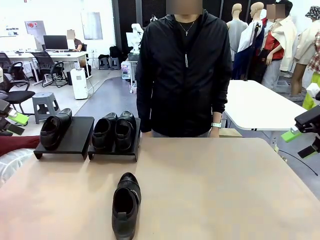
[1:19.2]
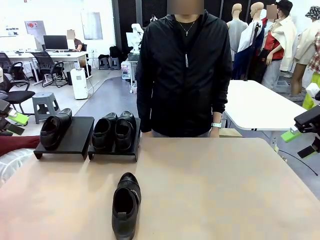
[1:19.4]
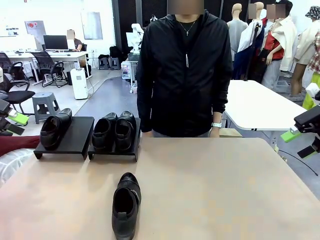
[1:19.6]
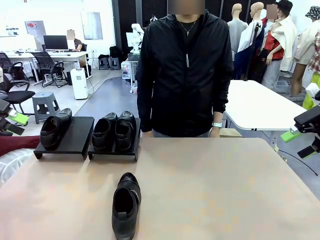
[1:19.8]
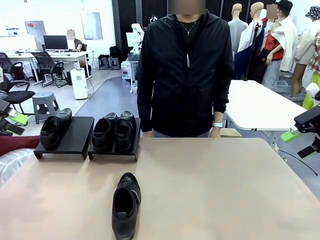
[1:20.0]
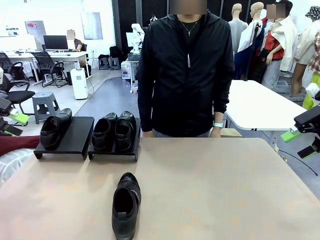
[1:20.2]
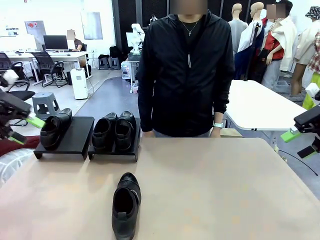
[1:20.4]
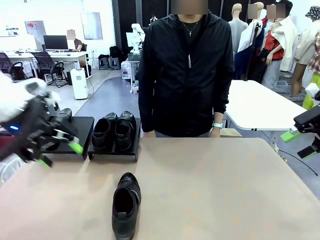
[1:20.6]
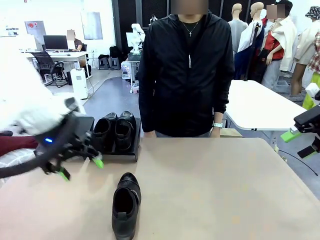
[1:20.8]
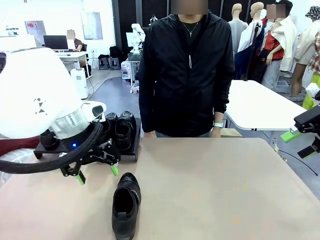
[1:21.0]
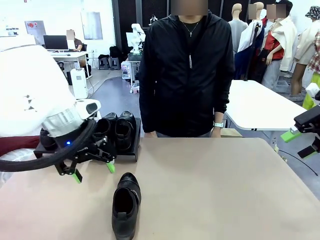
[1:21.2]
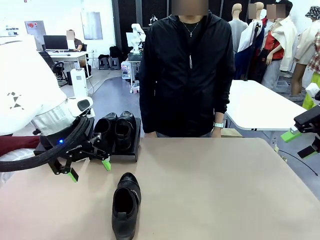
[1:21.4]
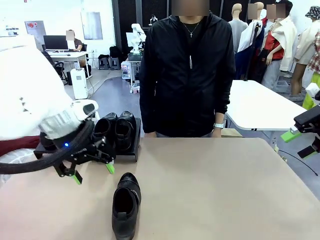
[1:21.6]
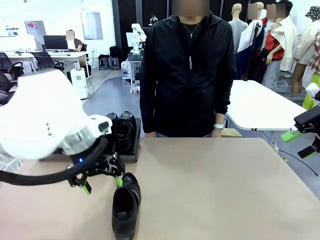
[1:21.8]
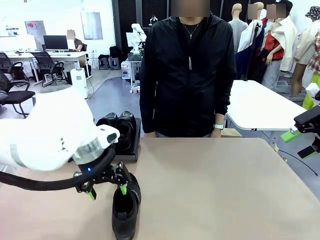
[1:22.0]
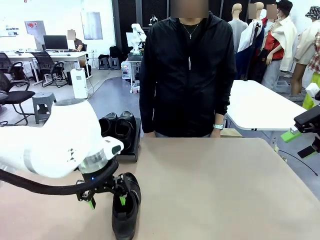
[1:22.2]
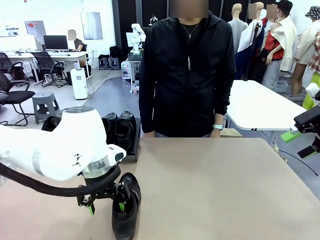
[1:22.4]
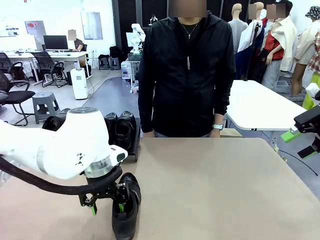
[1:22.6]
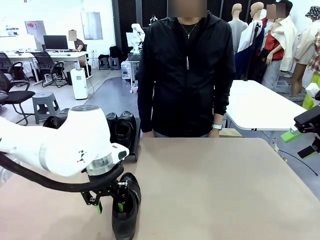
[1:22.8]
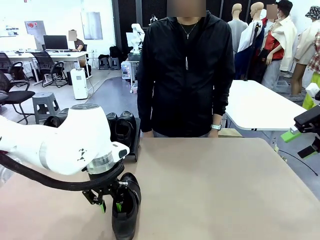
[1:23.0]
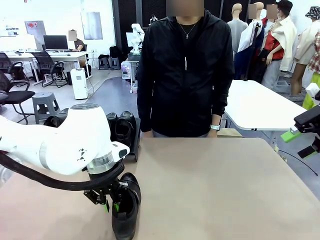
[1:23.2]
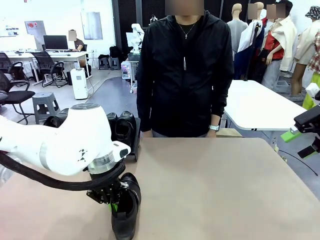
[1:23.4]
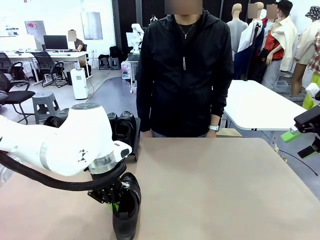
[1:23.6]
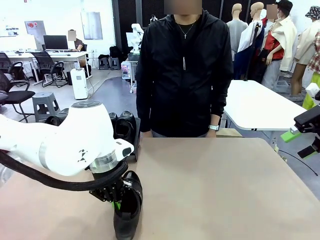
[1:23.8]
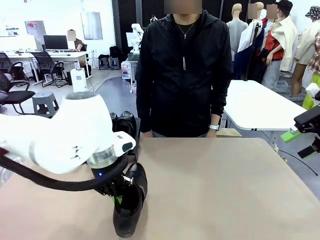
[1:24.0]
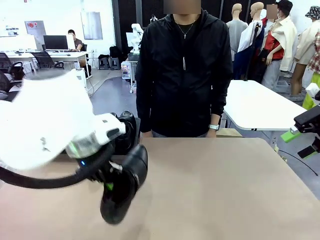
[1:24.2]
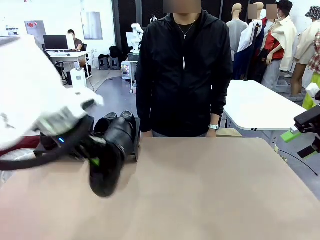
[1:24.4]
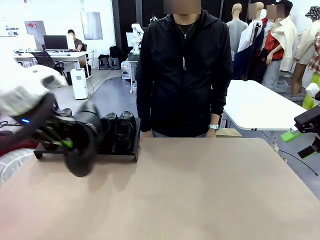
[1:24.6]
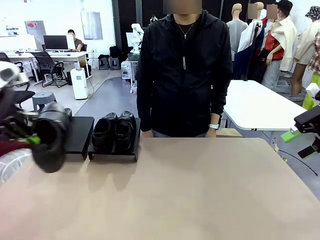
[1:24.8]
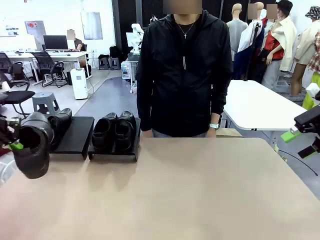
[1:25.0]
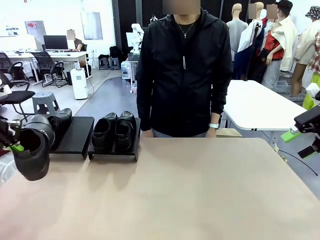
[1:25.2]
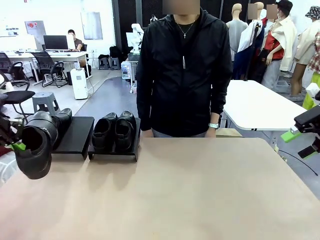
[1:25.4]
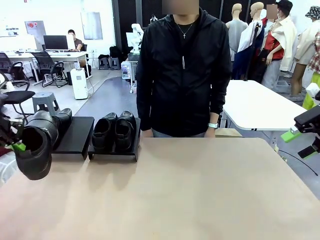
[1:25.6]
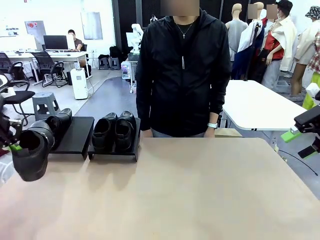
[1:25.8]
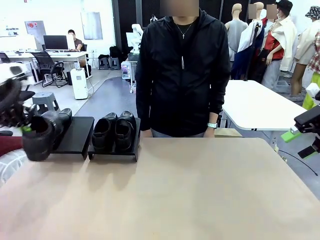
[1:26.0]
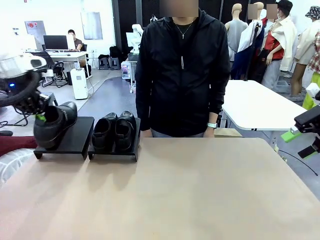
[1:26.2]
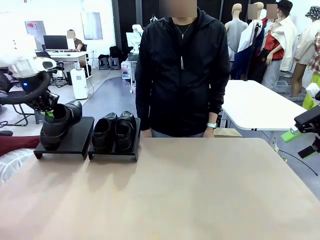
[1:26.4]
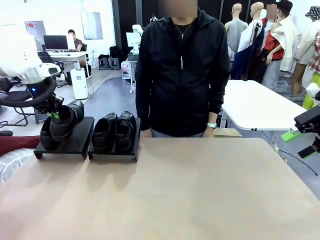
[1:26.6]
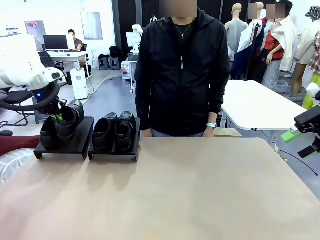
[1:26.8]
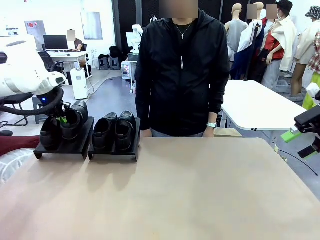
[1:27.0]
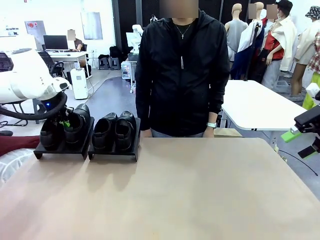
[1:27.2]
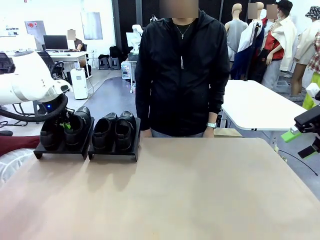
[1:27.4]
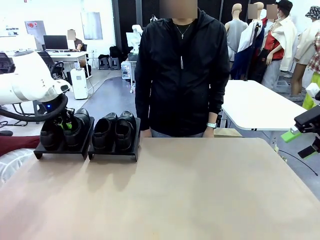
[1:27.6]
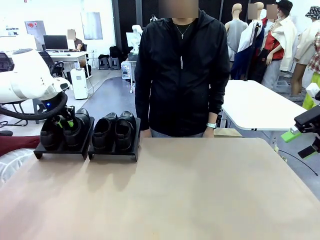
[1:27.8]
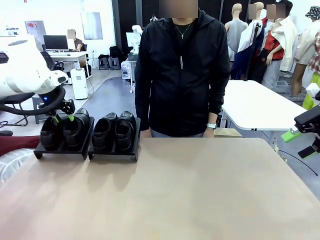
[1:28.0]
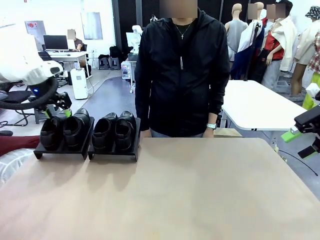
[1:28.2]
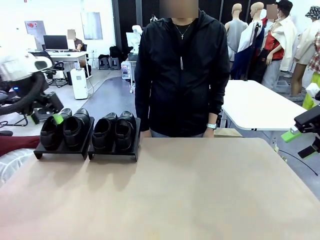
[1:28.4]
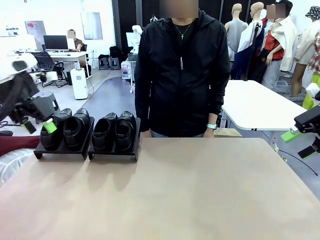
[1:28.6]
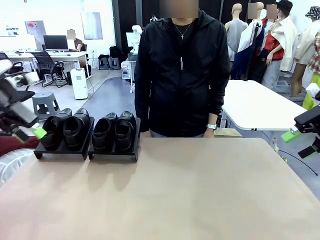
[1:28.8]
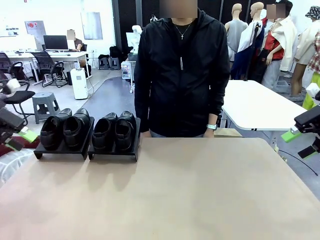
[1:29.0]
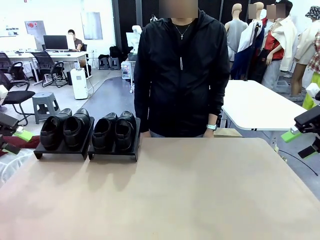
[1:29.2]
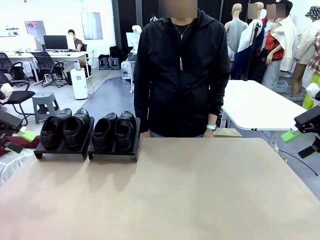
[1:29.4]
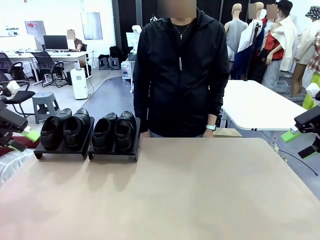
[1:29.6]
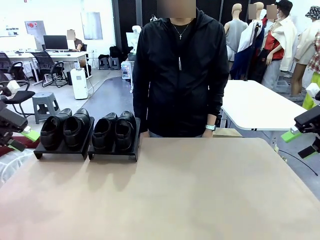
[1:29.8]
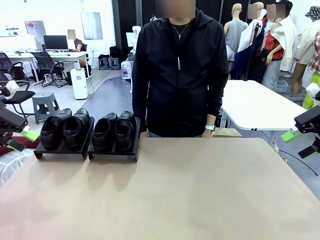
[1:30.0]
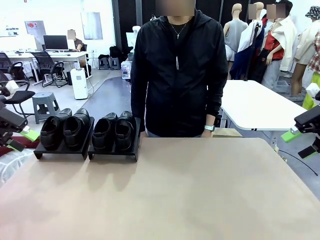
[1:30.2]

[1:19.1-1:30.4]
Task: Organize the shoes by placing them on the stand.
Robot: Place the Shoe from the middle of the table onto the Shoes Stand.

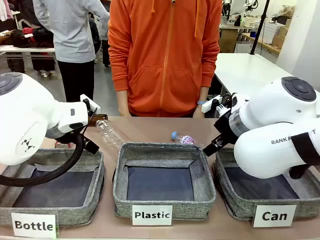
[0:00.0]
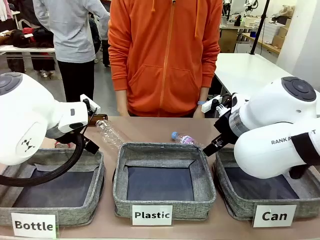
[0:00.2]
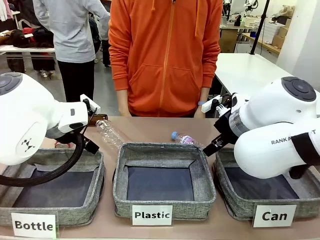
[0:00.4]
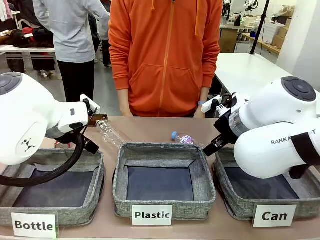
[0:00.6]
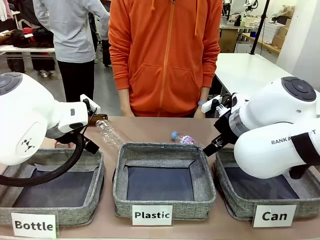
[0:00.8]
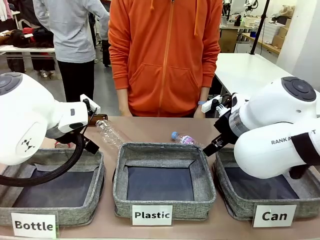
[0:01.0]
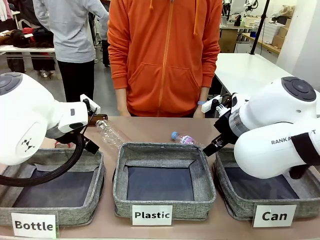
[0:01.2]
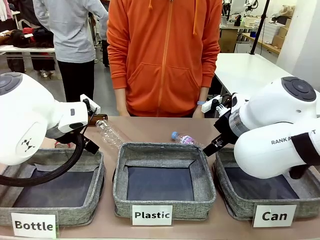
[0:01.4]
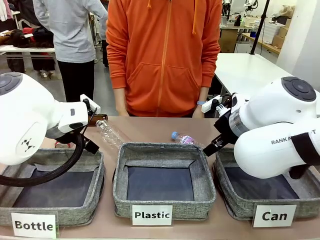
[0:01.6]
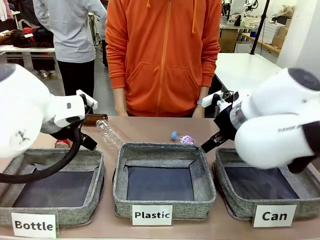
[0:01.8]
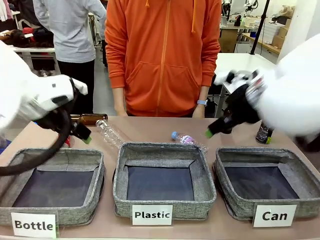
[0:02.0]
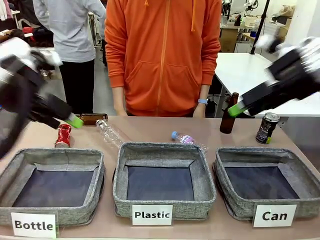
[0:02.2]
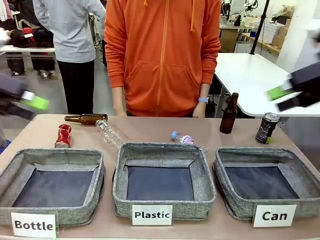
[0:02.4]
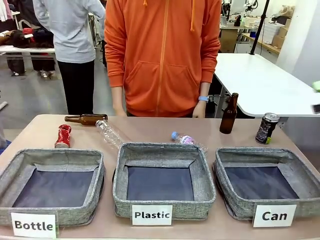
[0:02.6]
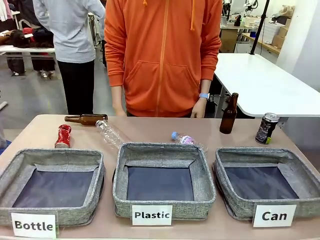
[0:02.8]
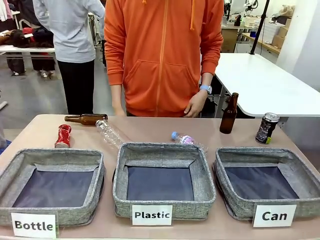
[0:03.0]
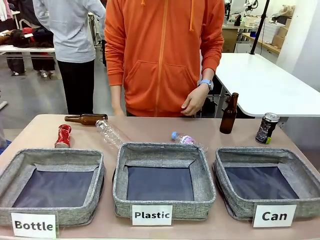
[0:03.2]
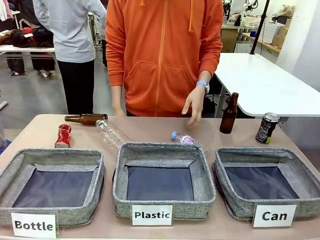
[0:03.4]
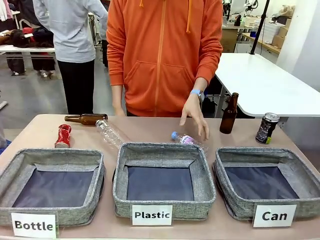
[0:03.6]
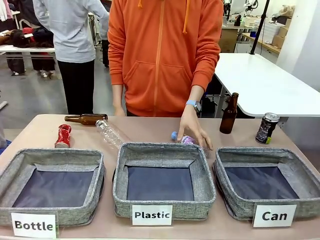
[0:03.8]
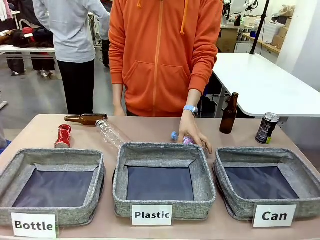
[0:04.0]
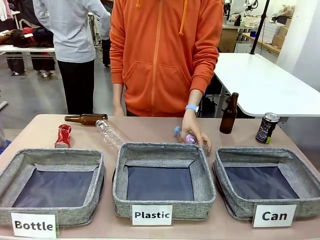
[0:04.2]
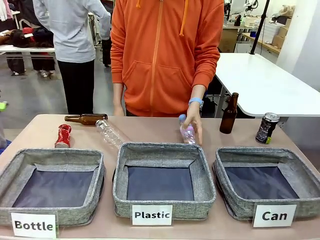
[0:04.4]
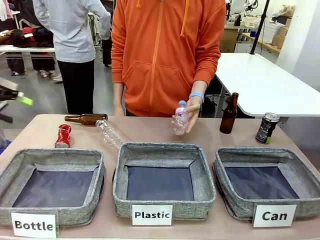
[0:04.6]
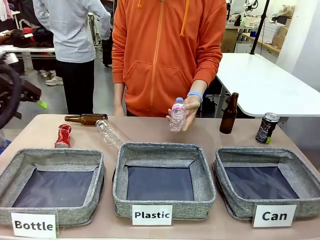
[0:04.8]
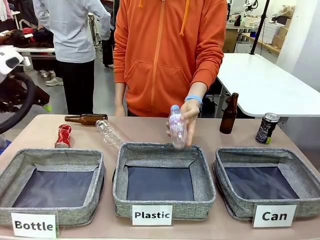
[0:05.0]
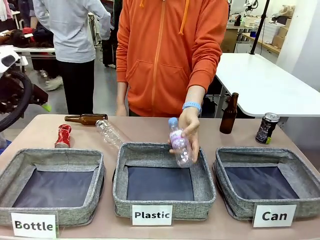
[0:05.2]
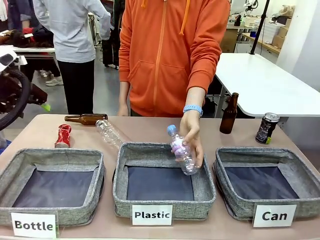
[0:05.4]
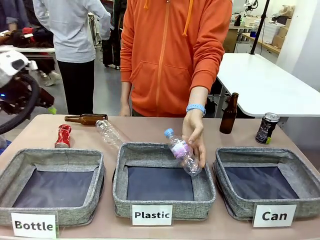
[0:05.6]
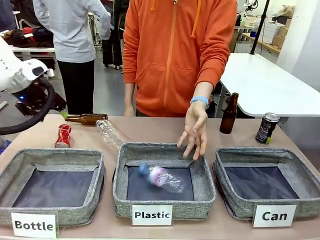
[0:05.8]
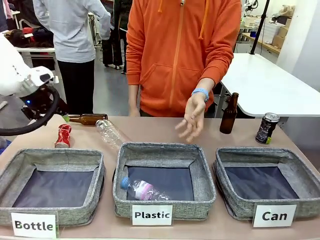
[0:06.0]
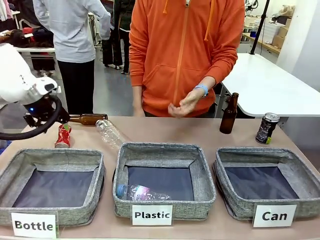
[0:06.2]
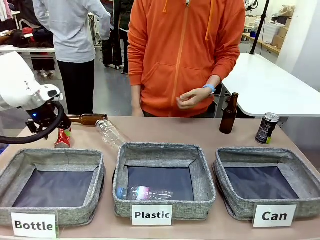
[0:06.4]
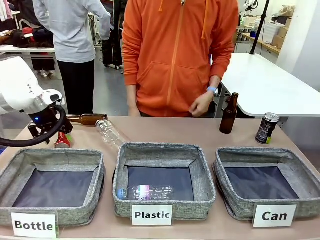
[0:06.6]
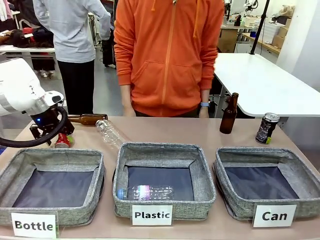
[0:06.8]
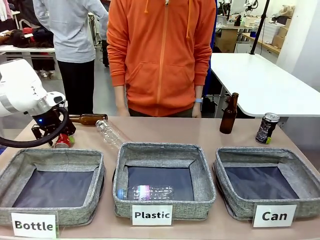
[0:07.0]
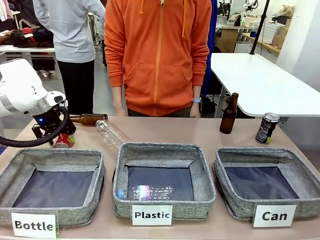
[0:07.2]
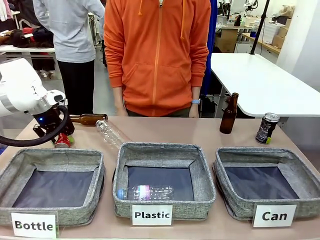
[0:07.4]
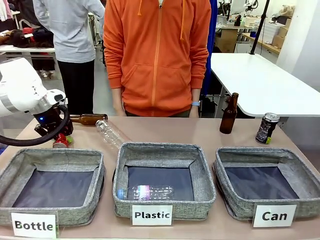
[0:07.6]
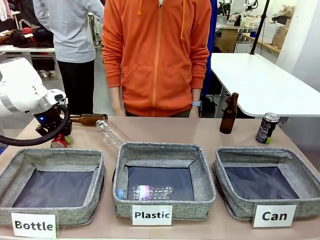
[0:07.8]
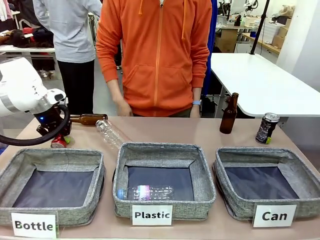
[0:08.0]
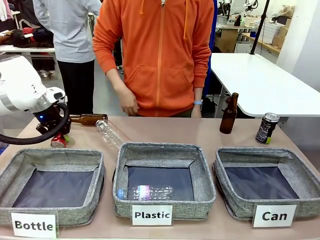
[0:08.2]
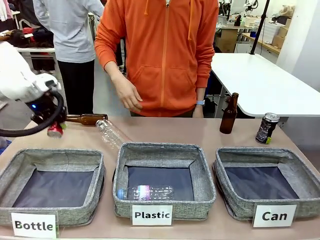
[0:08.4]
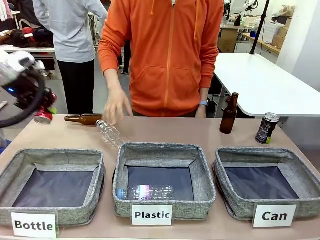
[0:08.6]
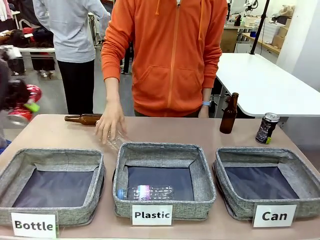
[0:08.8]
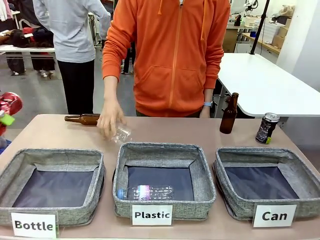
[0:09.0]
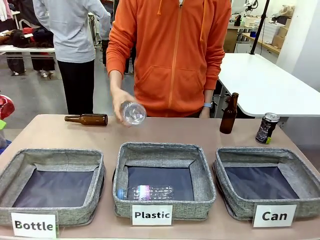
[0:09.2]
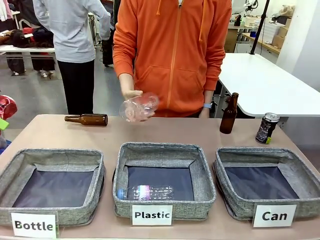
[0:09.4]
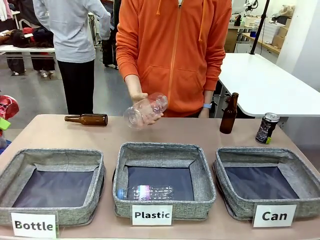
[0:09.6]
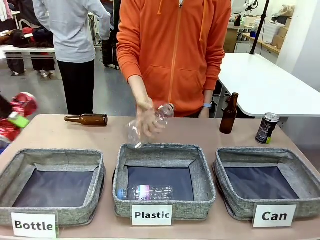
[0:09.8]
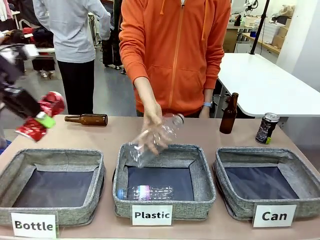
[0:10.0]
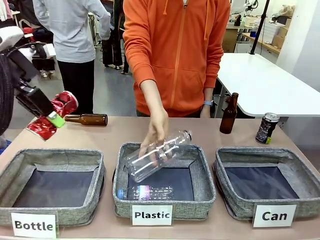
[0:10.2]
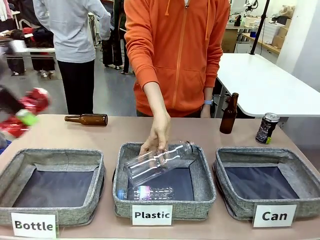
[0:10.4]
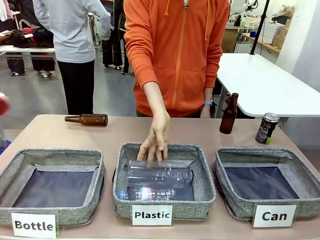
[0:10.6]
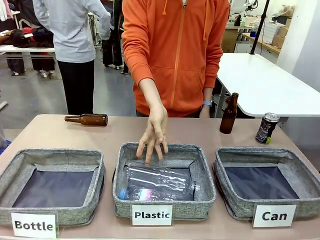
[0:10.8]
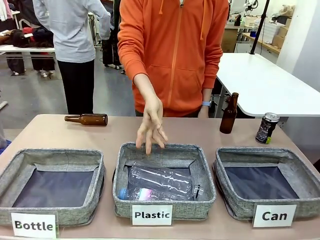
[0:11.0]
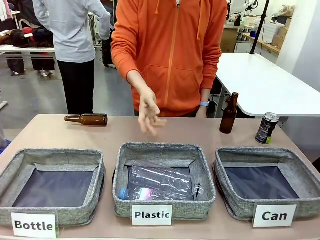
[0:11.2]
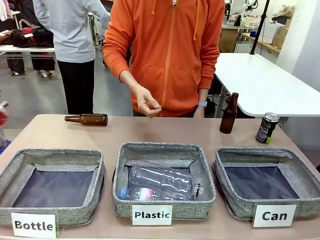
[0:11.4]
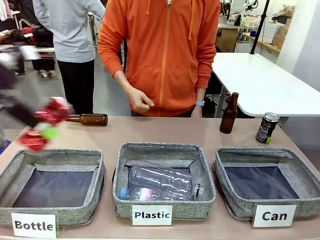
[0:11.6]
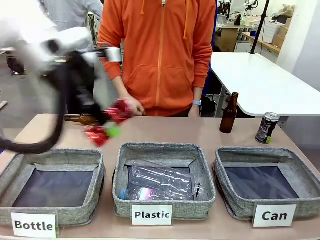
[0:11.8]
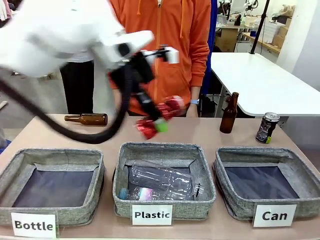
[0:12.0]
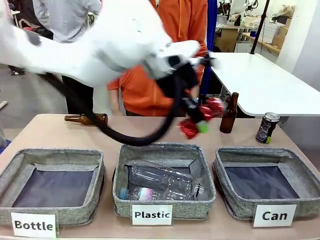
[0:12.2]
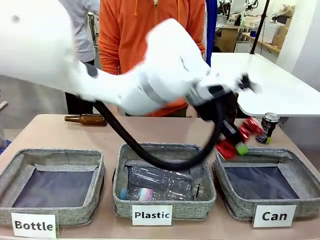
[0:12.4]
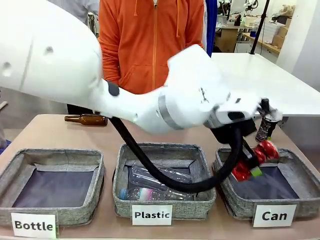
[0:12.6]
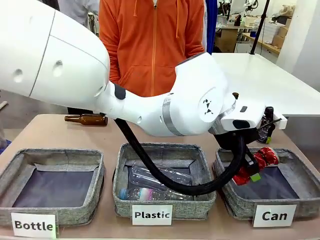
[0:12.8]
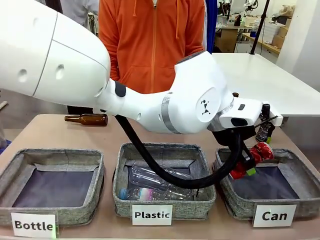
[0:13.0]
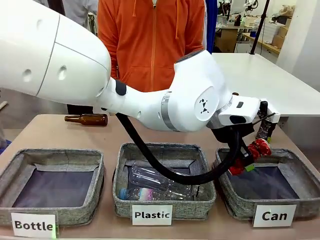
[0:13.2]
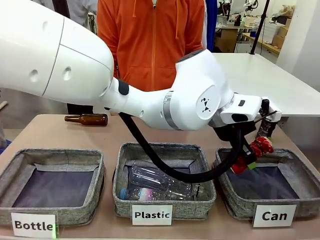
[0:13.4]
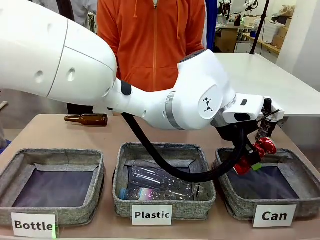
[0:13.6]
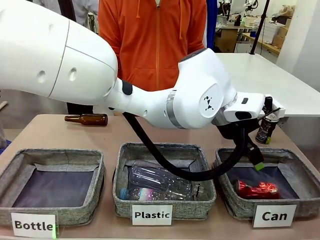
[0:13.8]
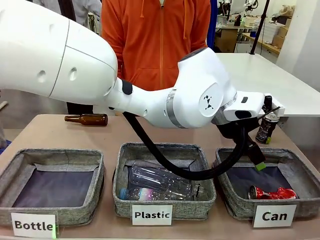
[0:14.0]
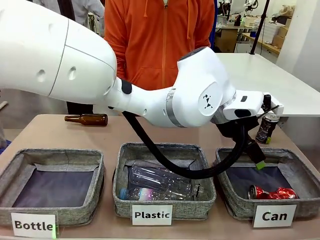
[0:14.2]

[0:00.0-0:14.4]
Task: Sort the can waste into the basket.
Robot: Pick up the can waste from the table and place it in the right Fabric basket.
